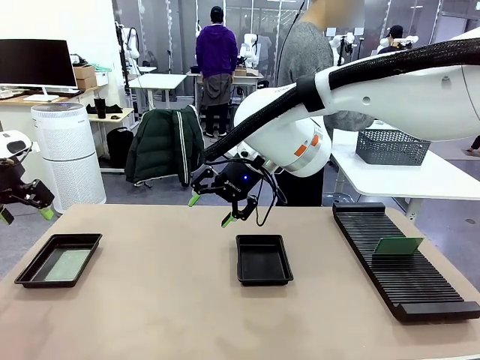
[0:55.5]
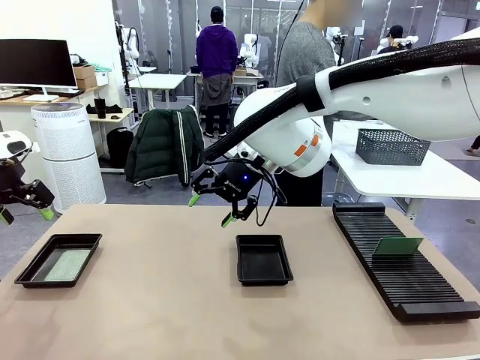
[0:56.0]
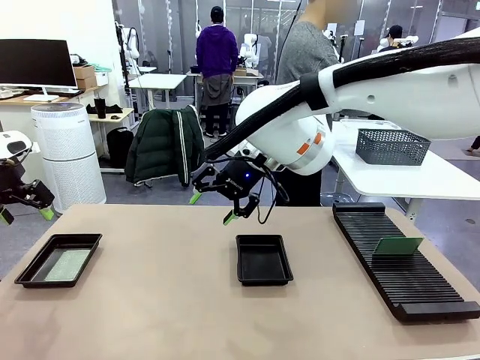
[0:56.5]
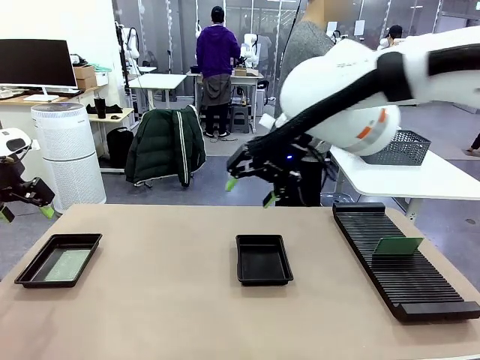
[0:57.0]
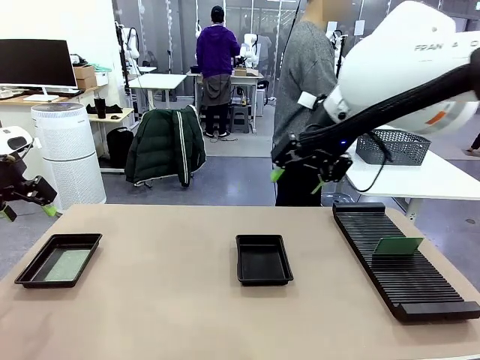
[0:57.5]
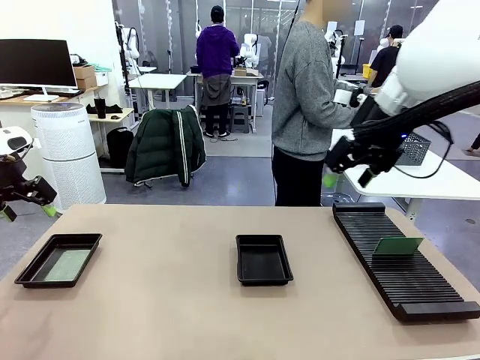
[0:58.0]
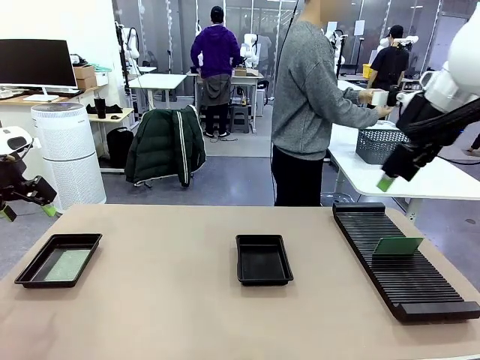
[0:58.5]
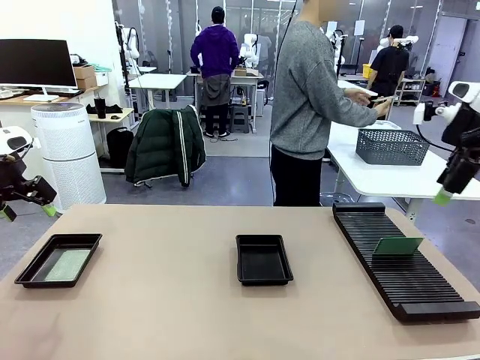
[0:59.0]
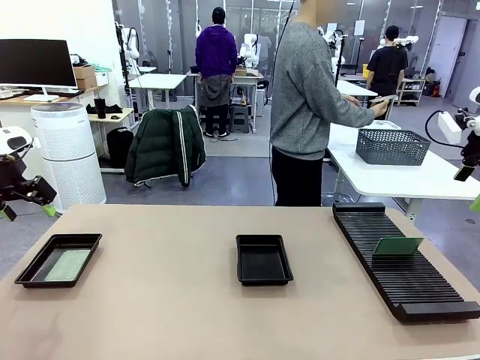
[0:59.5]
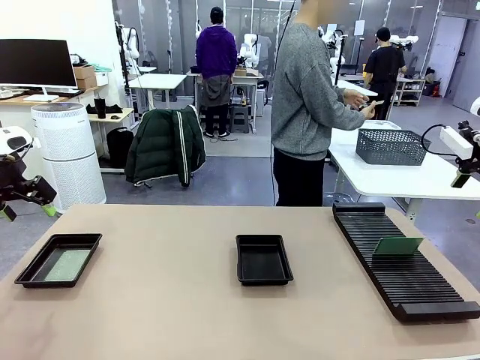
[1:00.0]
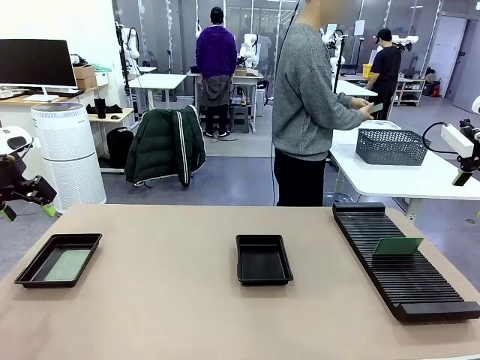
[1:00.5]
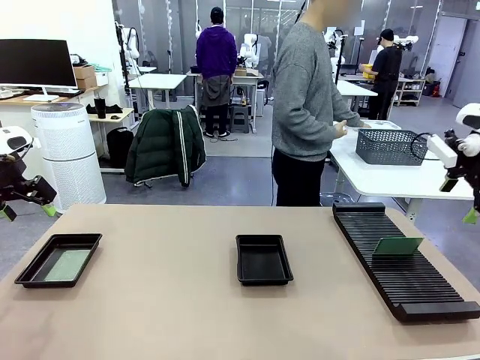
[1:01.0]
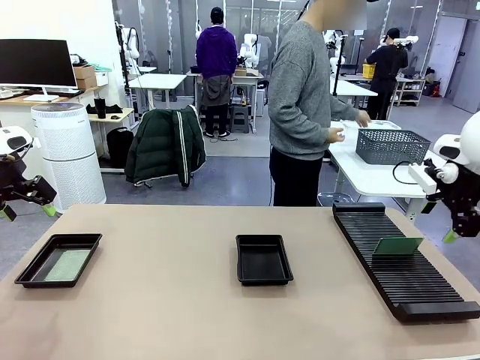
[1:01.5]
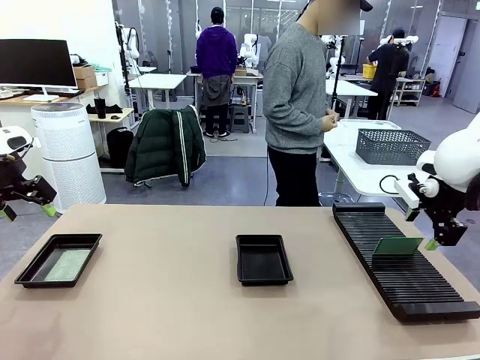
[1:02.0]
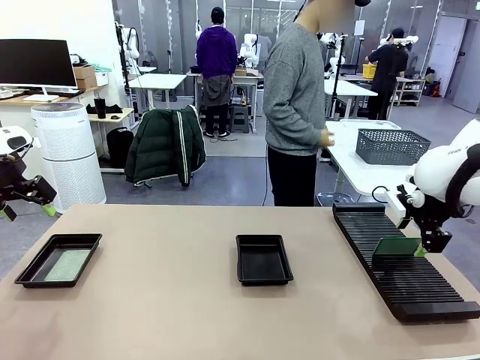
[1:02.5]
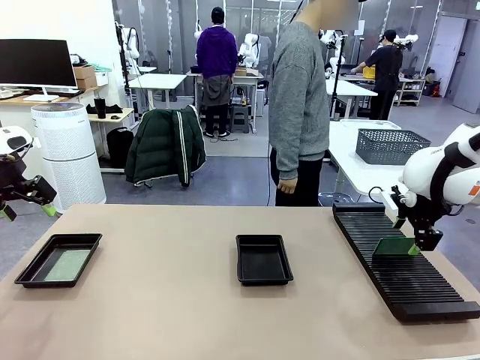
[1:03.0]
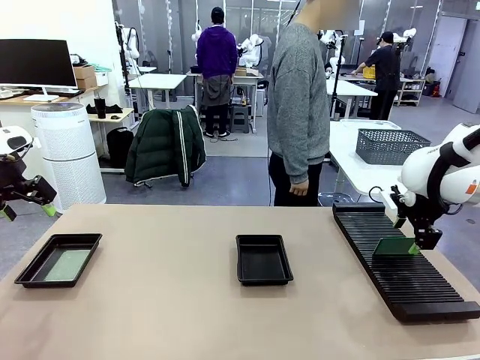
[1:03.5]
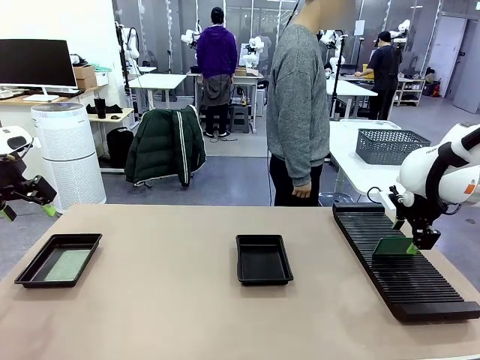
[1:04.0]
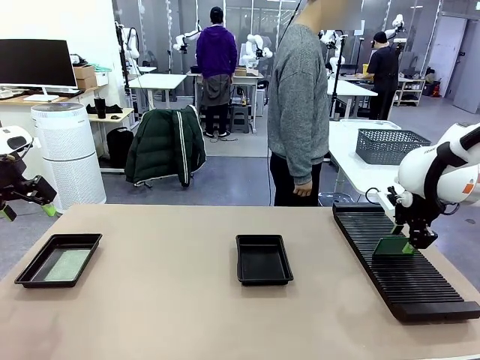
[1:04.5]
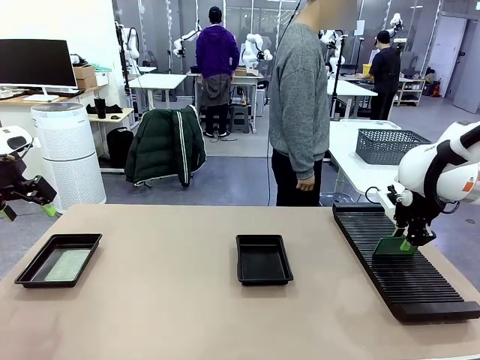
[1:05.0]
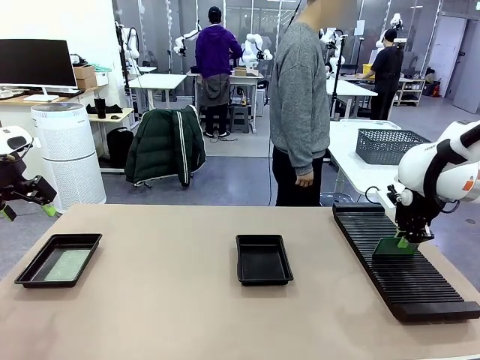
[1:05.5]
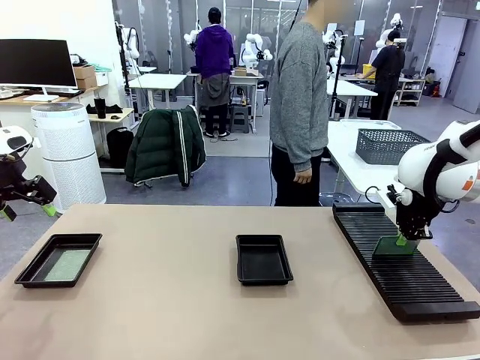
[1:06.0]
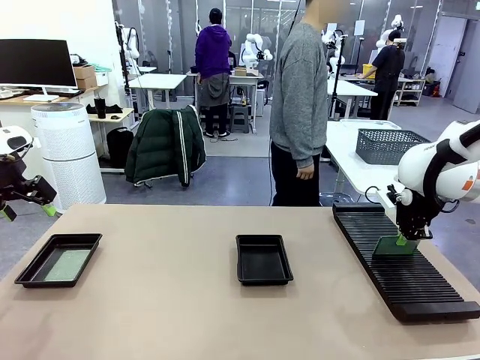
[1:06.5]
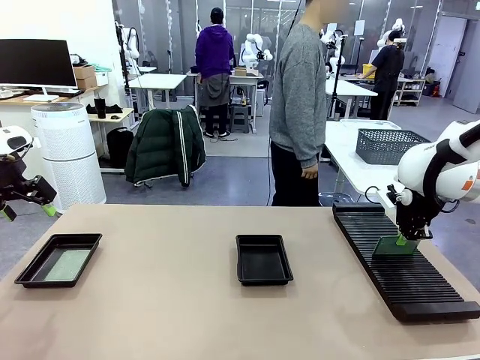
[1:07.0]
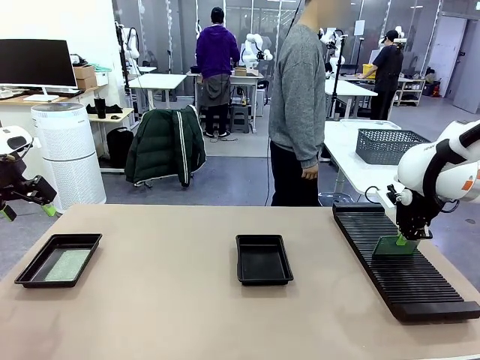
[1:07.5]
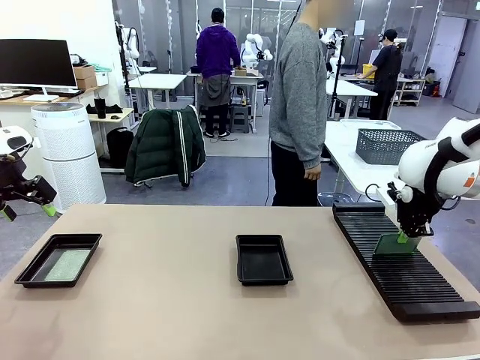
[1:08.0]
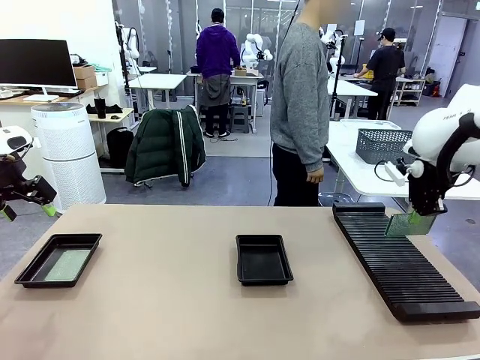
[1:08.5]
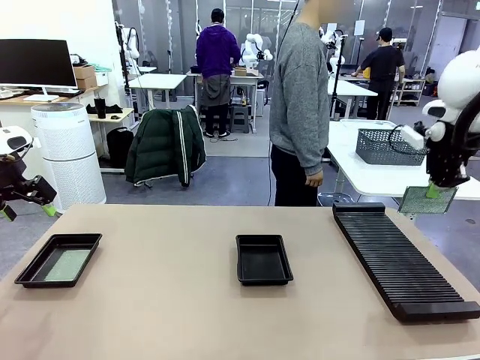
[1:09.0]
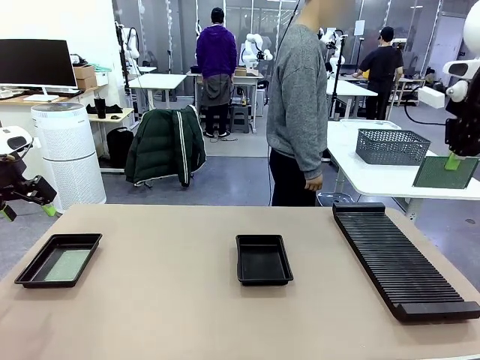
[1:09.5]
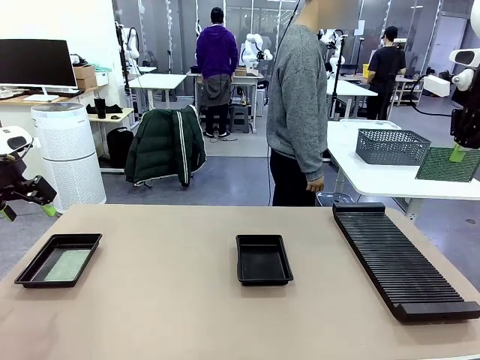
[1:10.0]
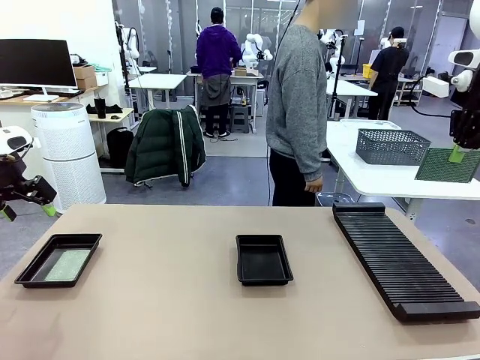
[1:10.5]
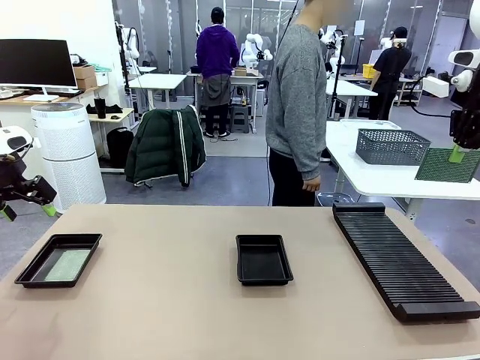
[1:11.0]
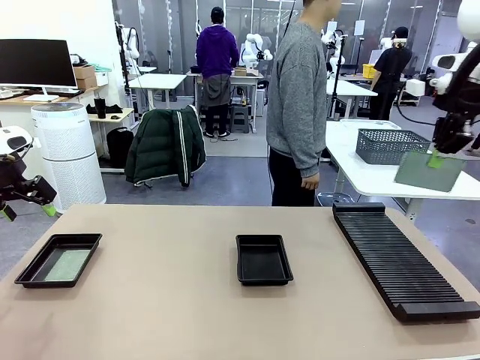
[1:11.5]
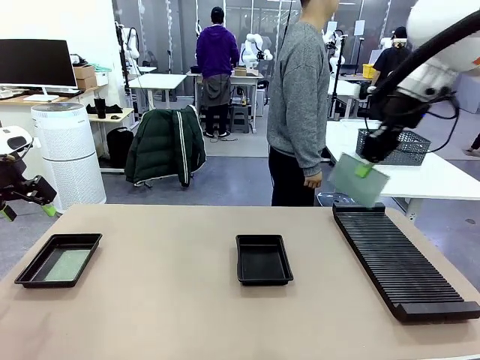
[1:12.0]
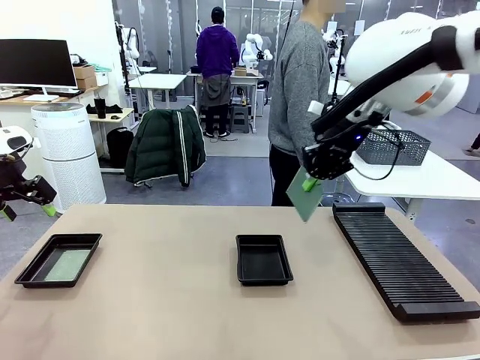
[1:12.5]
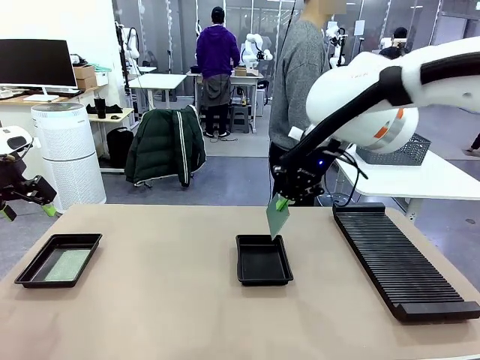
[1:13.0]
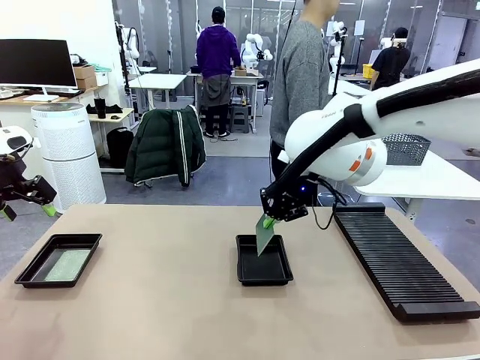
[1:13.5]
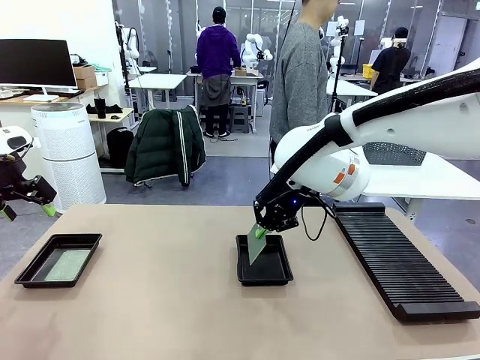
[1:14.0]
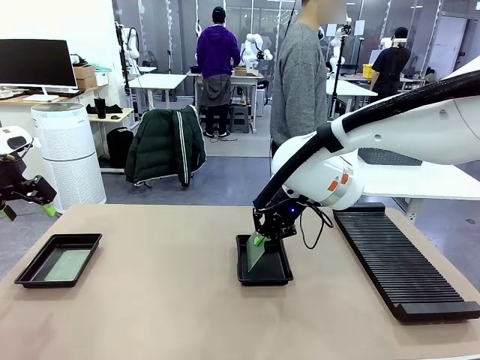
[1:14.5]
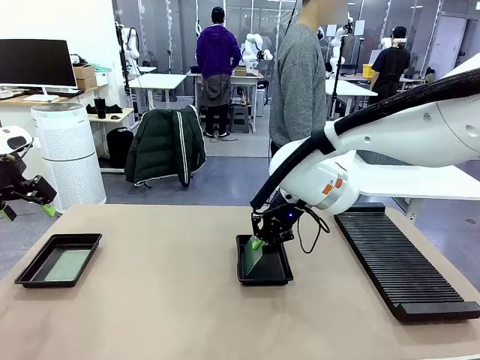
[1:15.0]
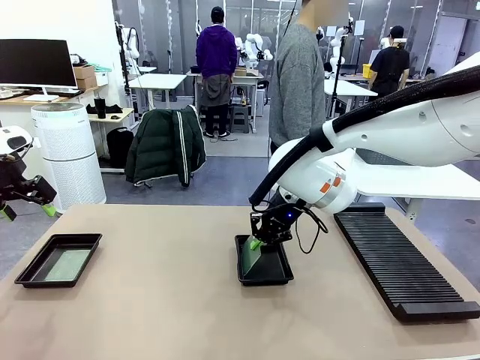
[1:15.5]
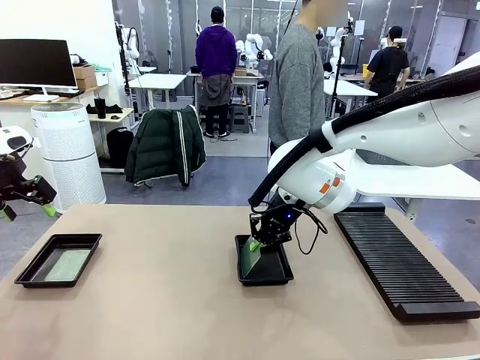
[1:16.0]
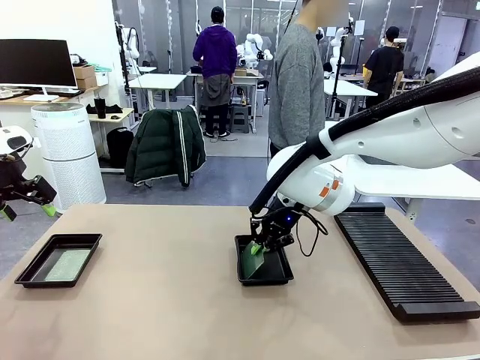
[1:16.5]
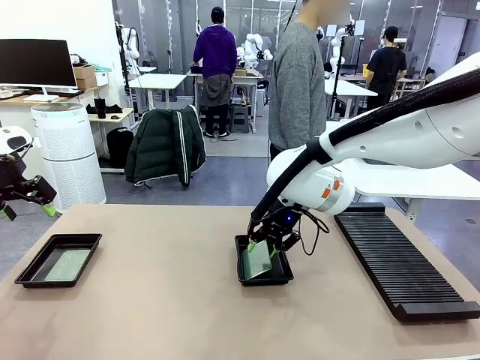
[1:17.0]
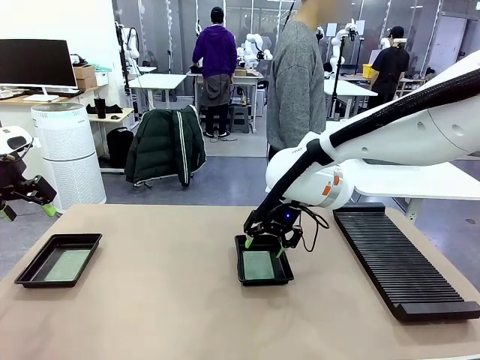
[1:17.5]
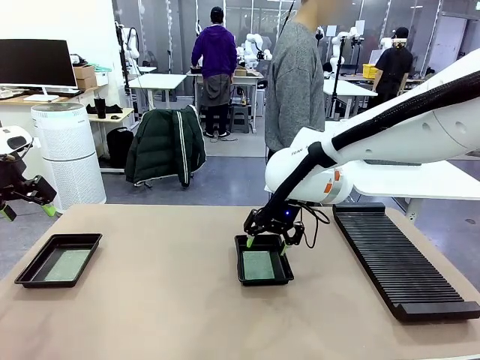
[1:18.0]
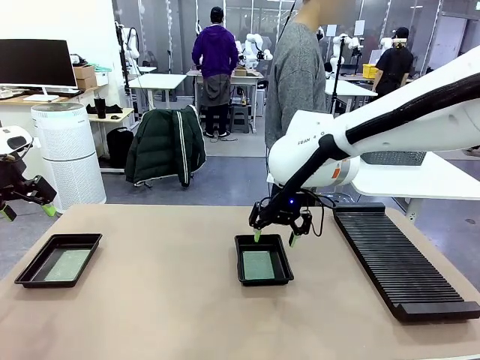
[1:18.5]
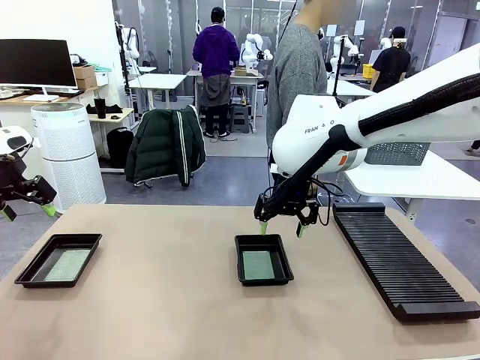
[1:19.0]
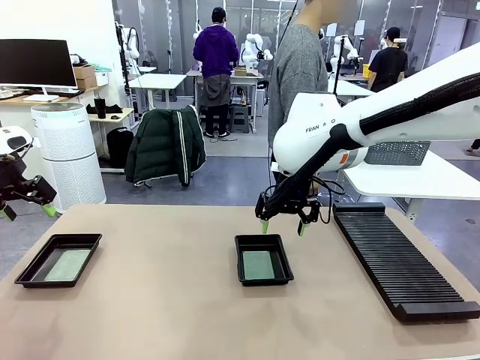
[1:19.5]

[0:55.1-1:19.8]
Task: Inspect and transfer BCBs to ESD trays.
Robot: Pick up the Blank PCB from the PCB Rack and place it in the right ESD tray.

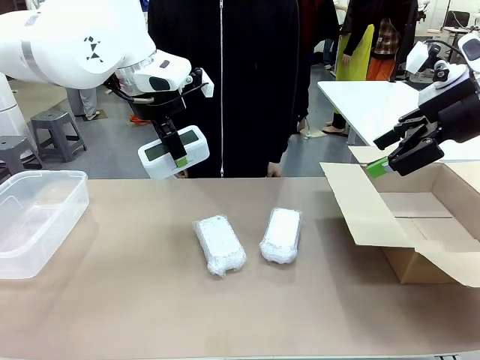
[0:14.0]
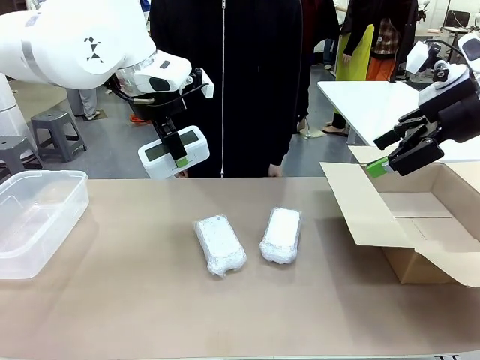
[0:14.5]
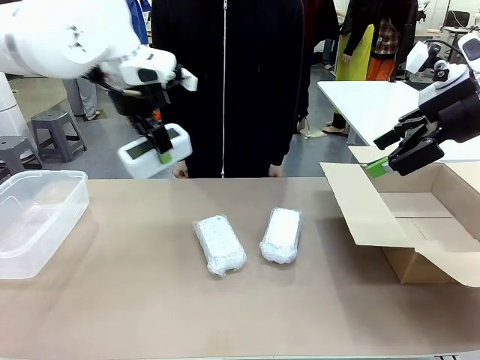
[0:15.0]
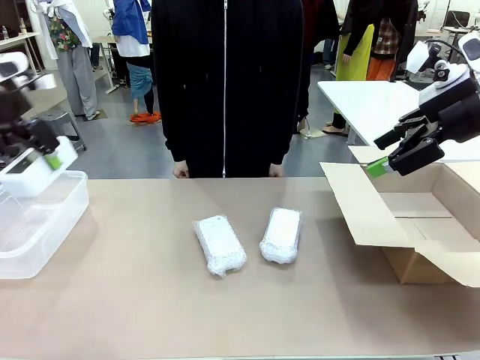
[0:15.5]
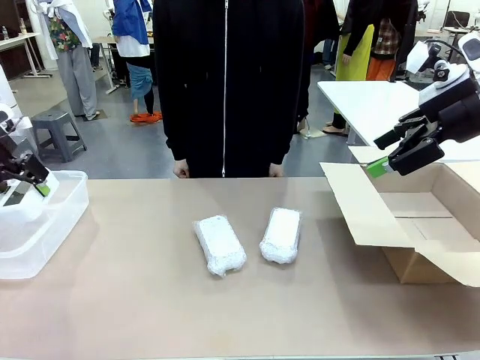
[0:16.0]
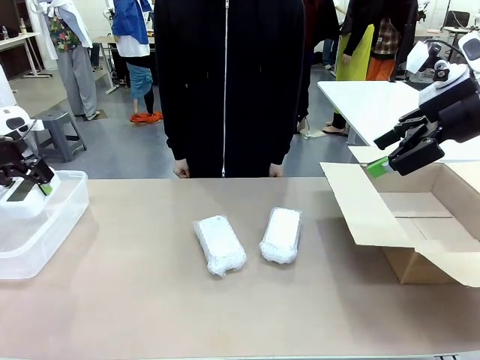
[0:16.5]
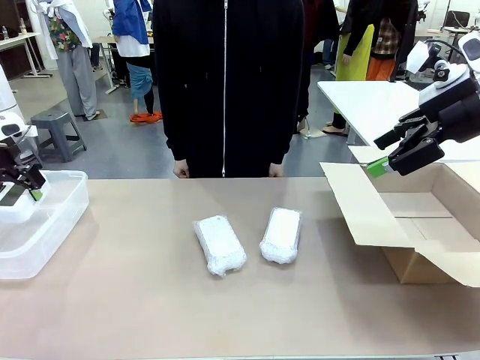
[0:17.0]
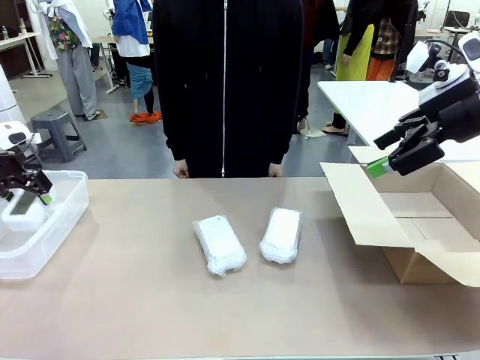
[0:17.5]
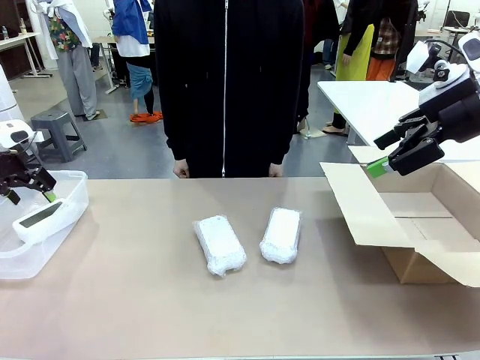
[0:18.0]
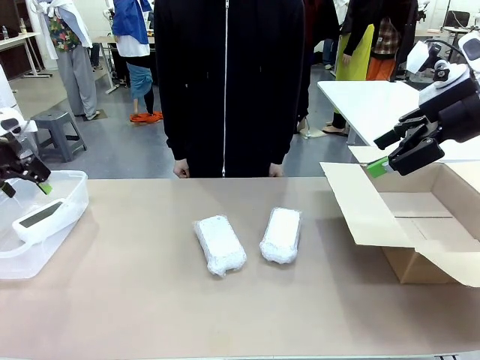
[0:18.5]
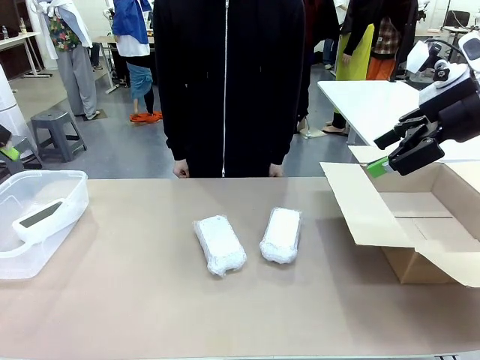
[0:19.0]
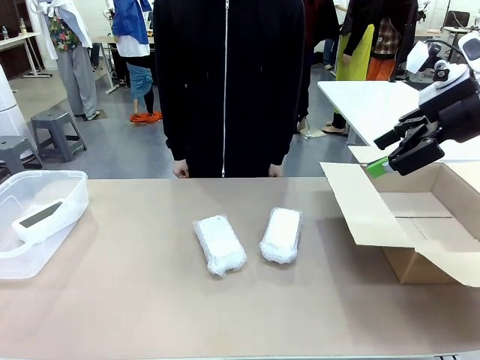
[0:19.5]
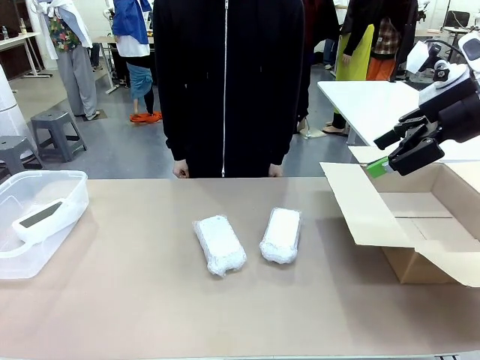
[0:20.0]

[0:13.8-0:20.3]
Task: Separate and place wrapped and unwrapped clocks.
Robot: If the picked Digital clock is wrapped, place it in the Package Box ; if not, place it in the Organizing box.
